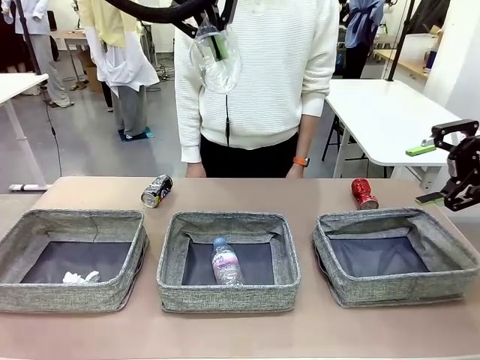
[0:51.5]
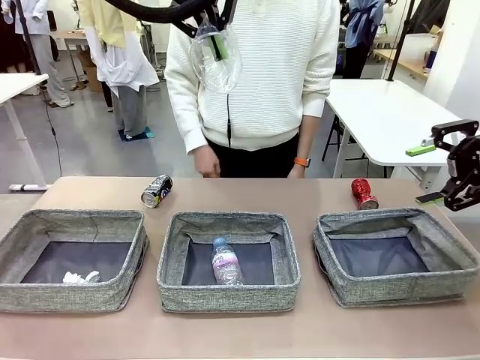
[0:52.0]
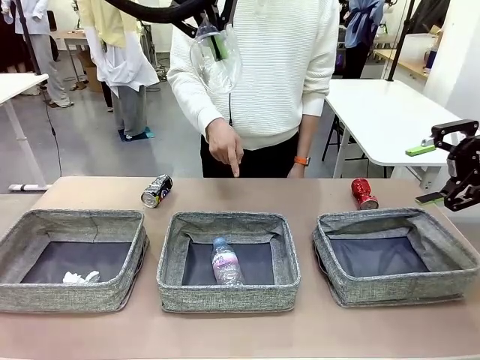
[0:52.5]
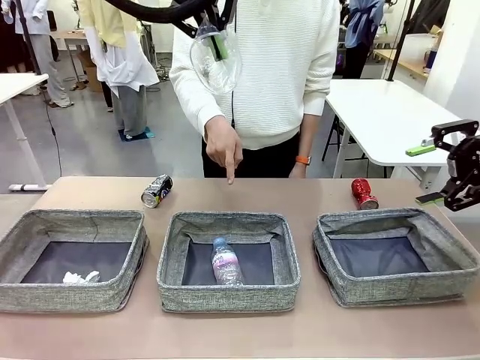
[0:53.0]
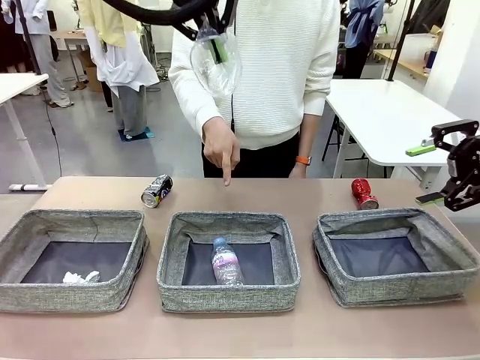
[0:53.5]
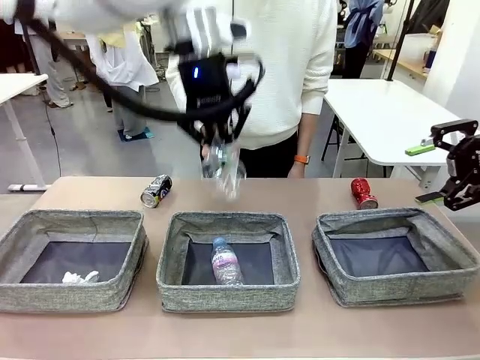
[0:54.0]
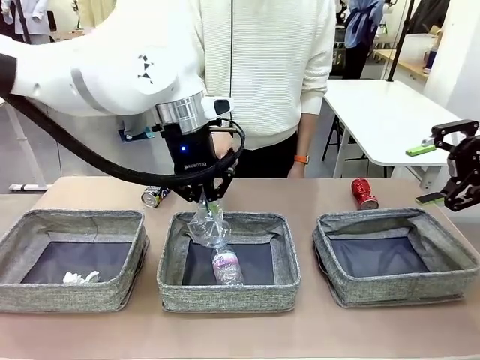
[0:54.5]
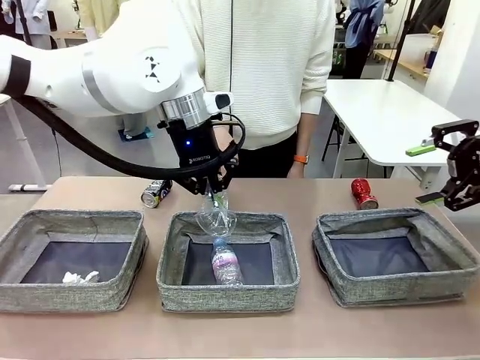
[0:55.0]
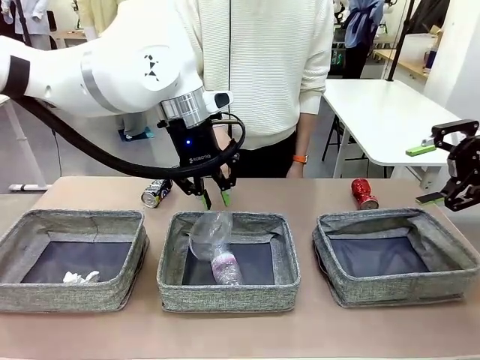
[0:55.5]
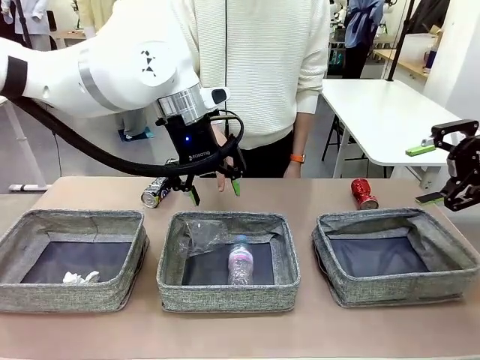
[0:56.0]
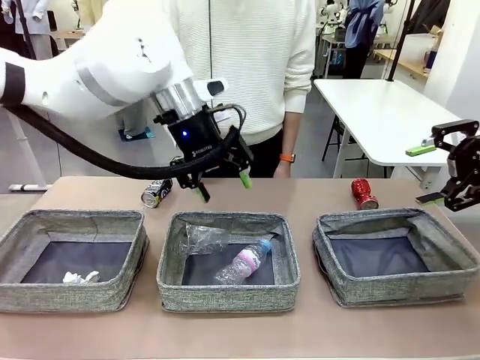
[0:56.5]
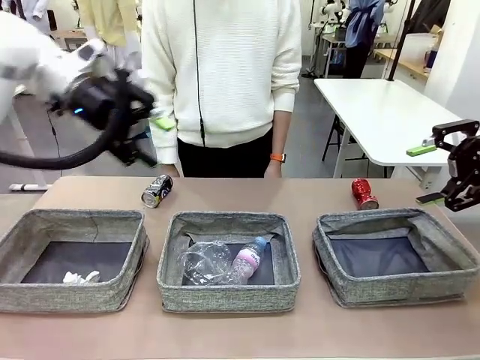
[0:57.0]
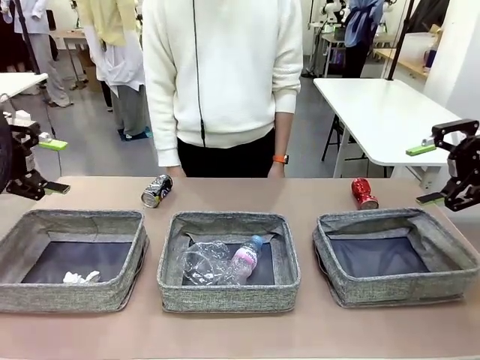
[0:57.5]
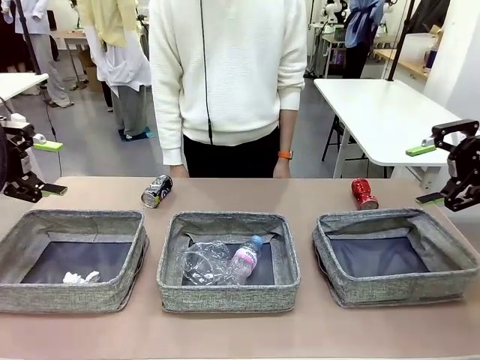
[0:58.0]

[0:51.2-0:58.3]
Task: Sort the waste into the appropriate baskets.
Robot: Place the picked waste into the Fabric basket indicated by the person.
Person: Instructs the robot to place the picked-up trash into the appropriate organizing basket.

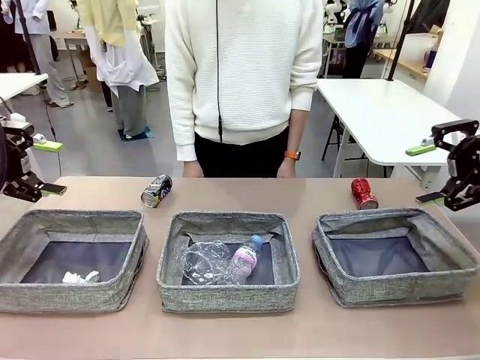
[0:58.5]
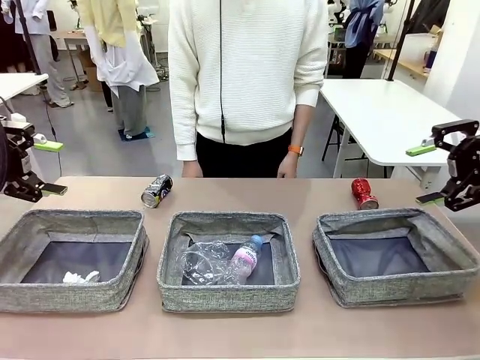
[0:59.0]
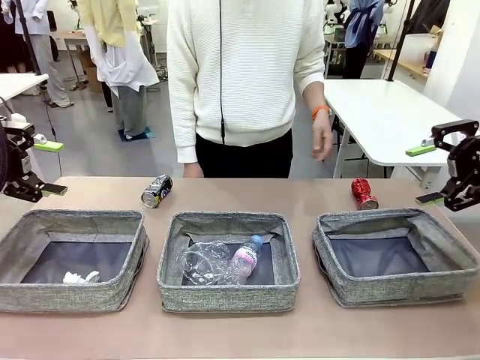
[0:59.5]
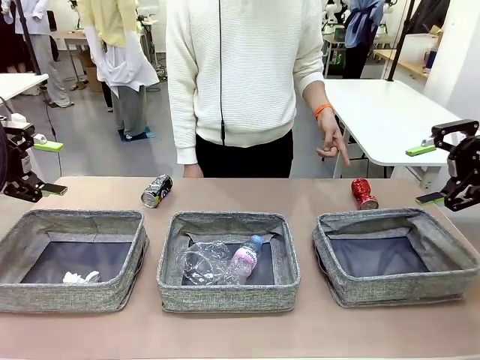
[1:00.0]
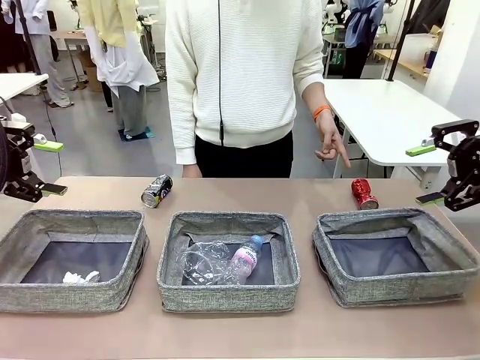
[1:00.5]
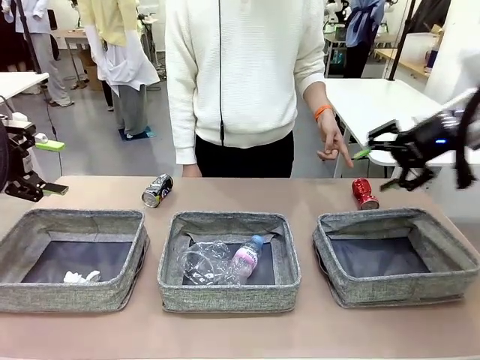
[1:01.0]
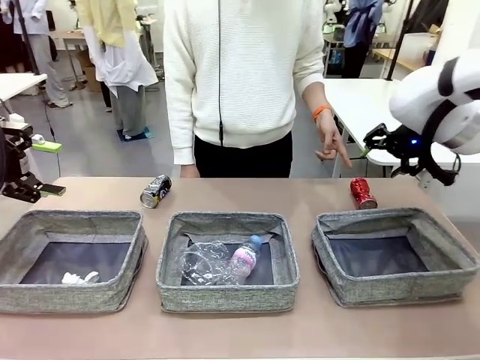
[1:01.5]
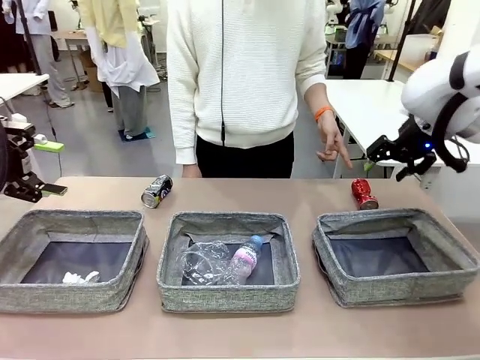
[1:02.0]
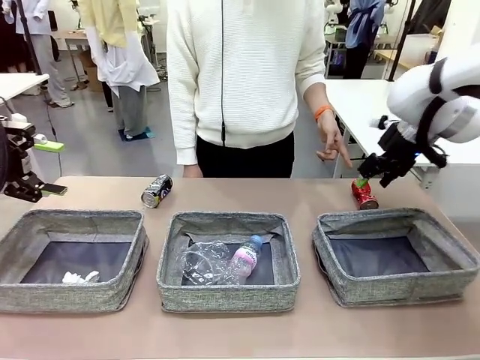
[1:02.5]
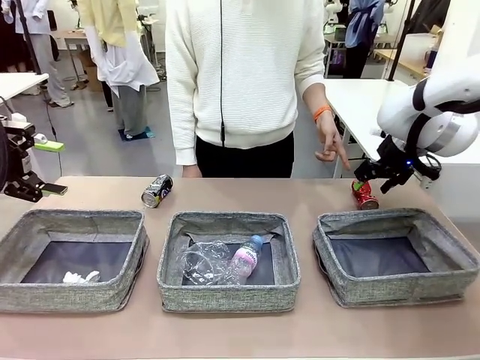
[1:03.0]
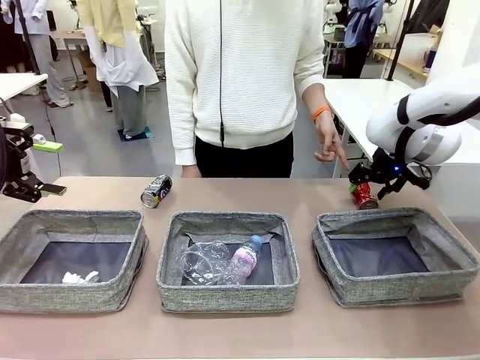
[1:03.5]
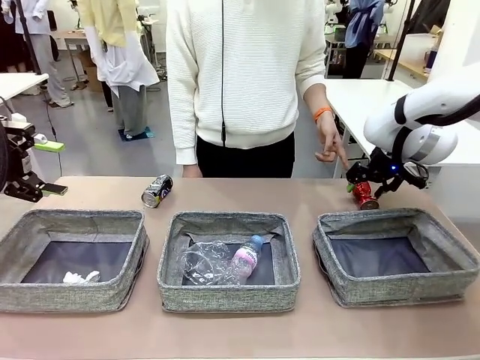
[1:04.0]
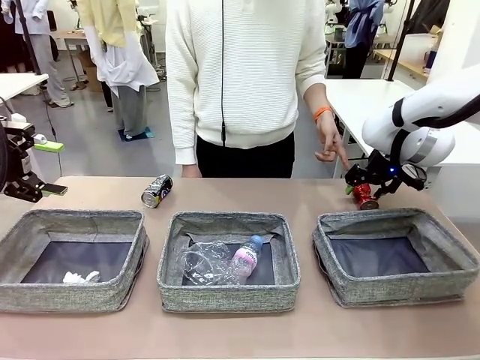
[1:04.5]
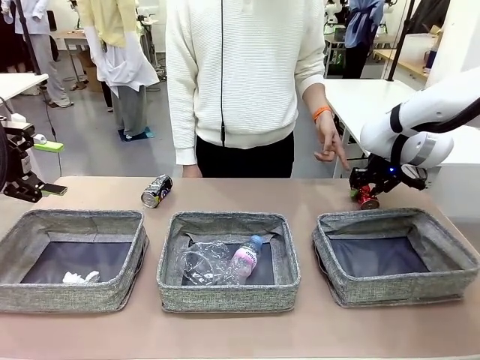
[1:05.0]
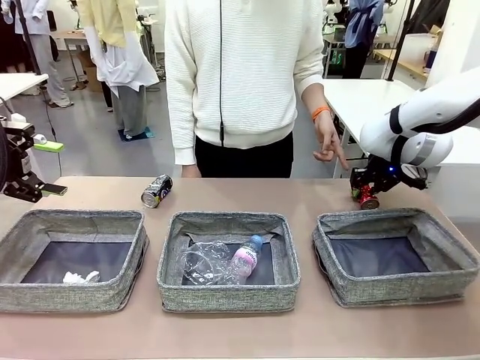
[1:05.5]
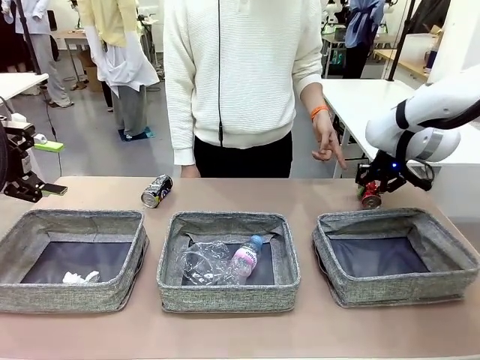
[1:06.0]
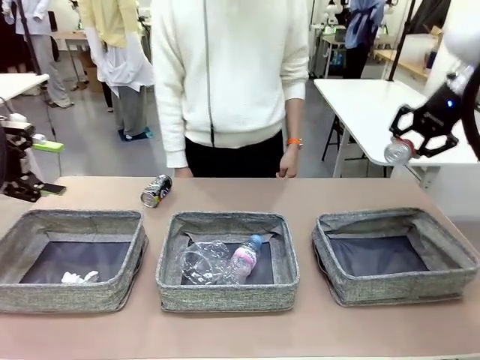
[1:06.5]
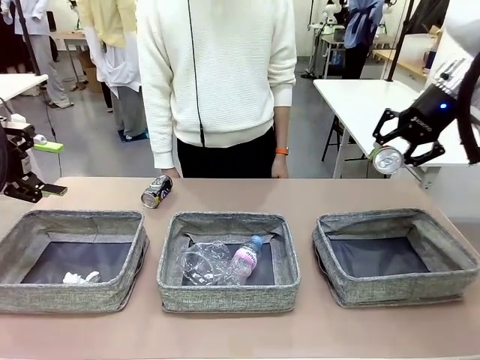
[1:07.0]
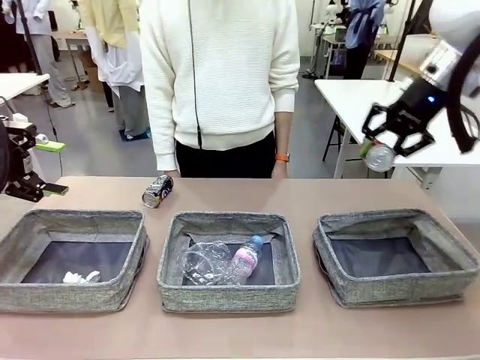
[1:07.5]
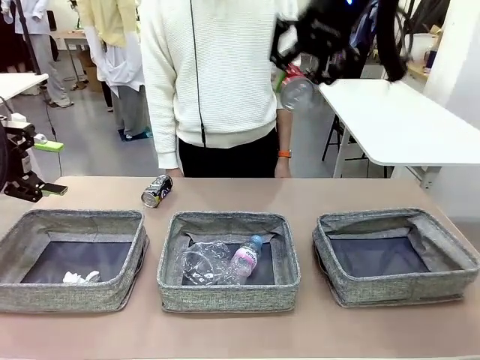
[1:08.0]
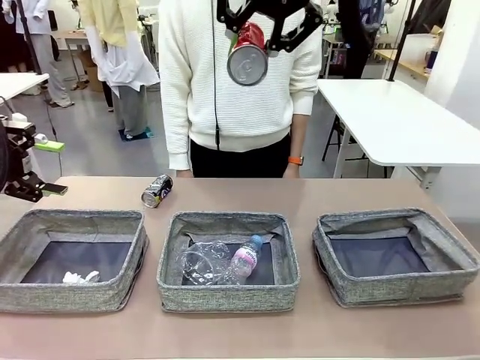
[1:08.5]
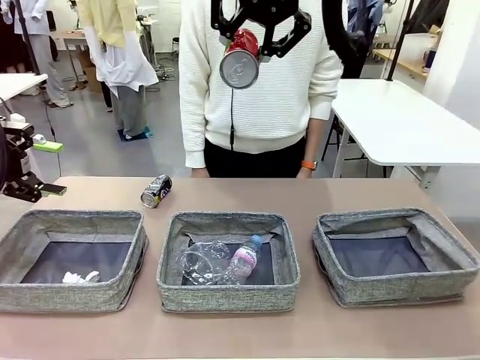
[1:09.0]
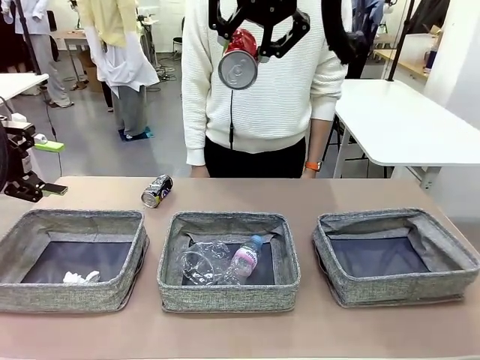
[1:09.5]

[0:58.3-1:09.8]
Robot: Pick up the waste item pointed out by the person.
Person: Points to one piece of trash on the table.

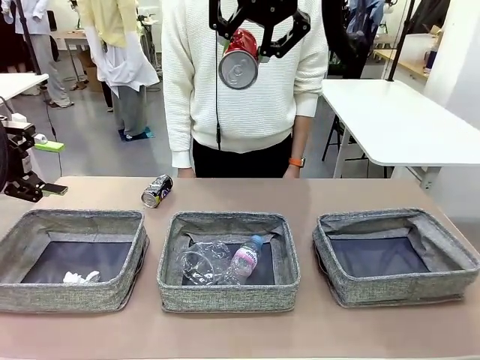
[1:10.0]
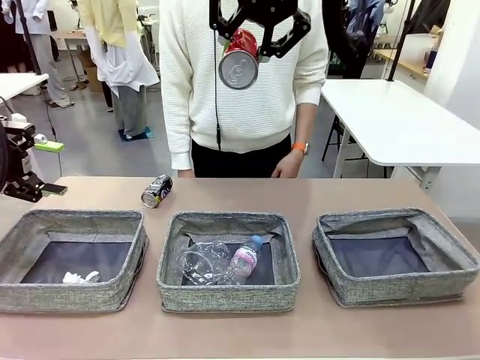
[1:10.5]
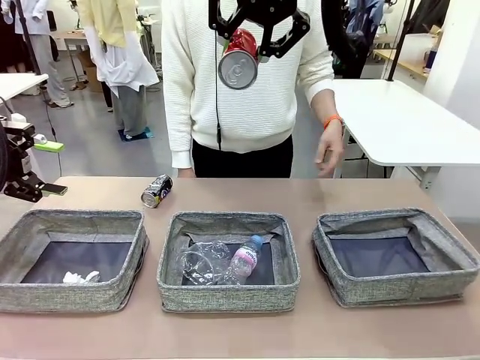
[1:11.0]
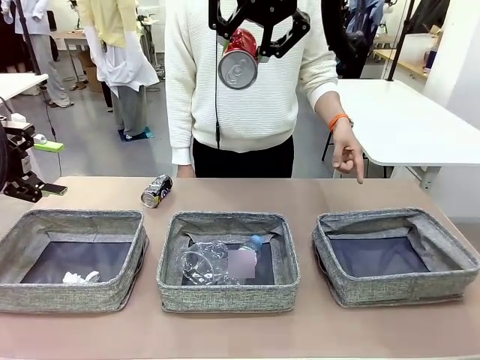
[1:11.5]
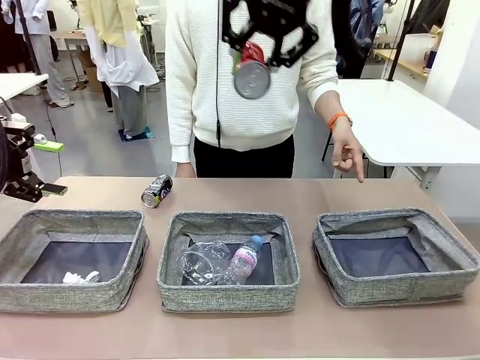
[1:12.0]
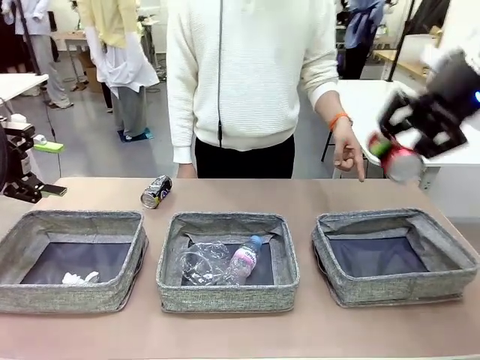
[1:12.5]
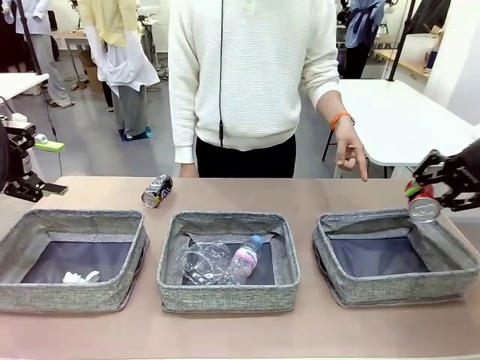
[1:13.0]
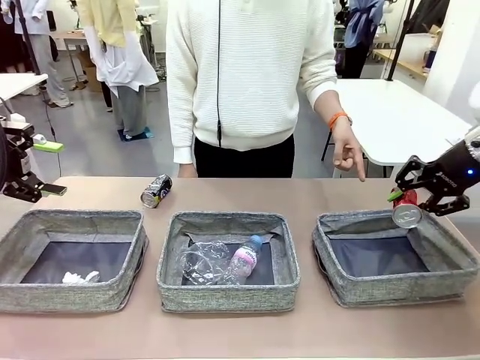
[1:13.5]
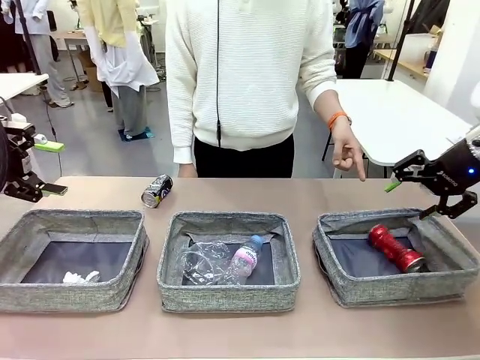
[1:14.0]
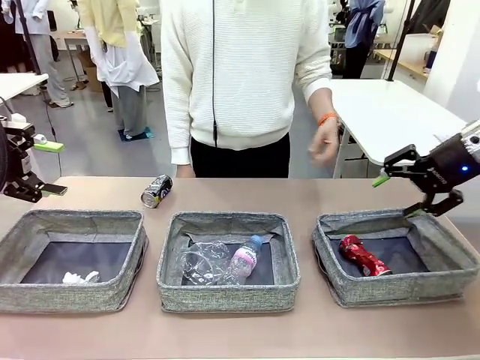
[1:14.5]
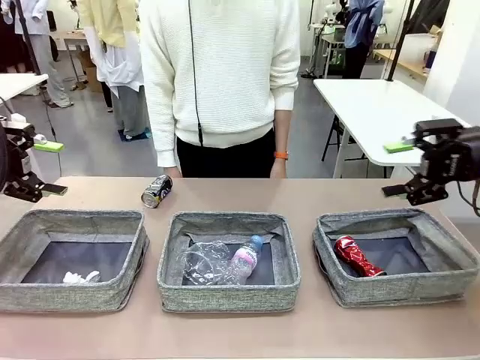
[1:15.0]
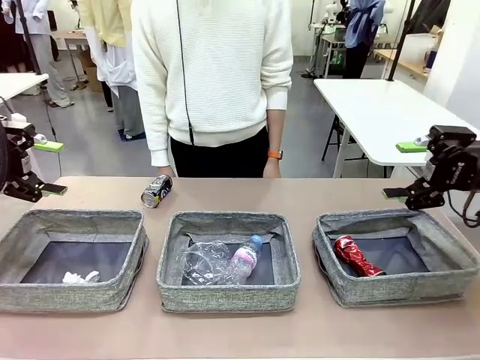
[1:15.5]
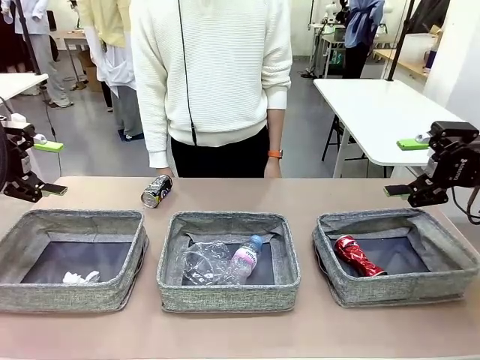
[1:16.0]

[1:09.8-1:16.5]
Robot: Place the picked waste into the Fabric basket indicated by the person.
Person: Instructs the robot to place the picked-up trash into the appropriate organizing basket.
